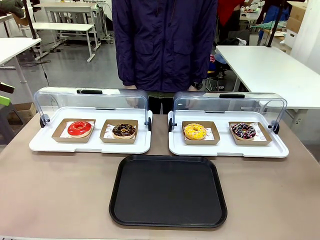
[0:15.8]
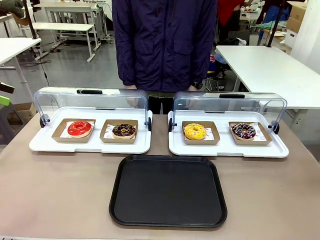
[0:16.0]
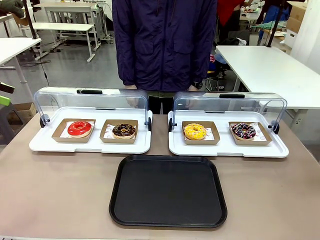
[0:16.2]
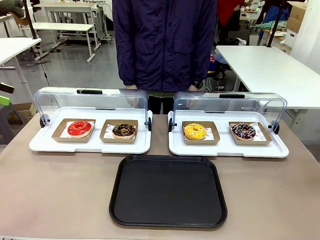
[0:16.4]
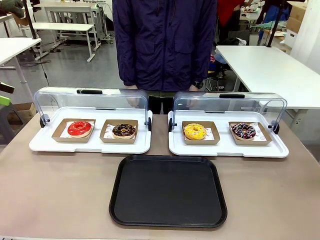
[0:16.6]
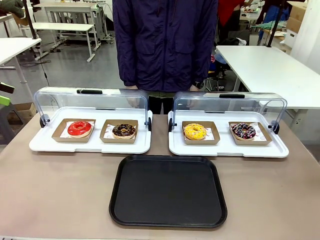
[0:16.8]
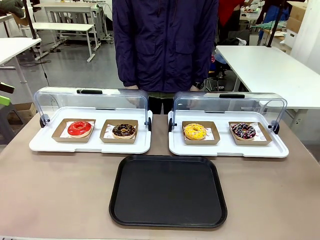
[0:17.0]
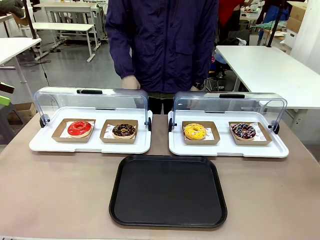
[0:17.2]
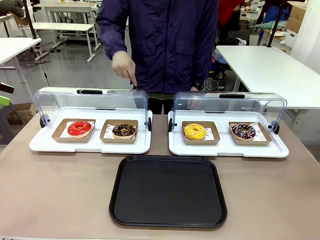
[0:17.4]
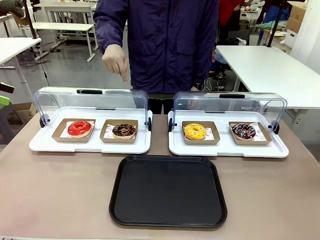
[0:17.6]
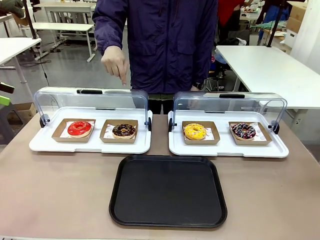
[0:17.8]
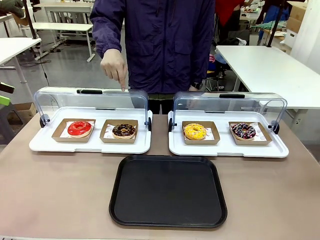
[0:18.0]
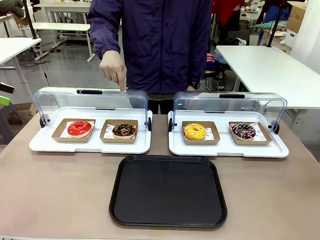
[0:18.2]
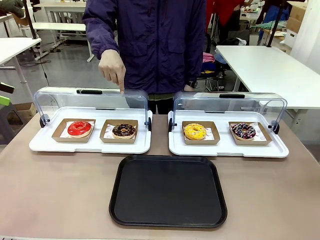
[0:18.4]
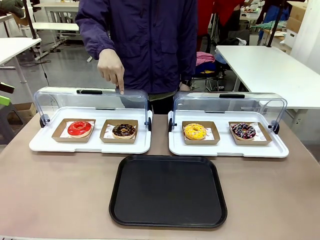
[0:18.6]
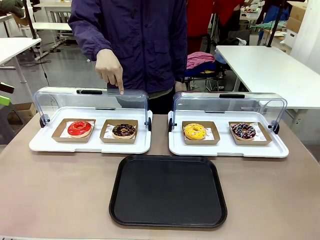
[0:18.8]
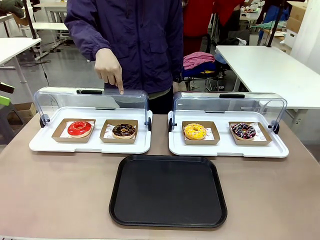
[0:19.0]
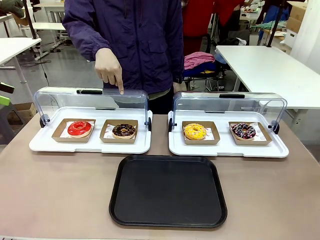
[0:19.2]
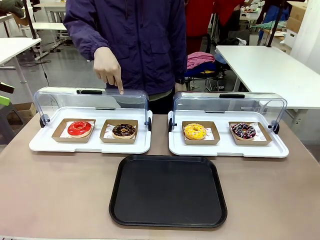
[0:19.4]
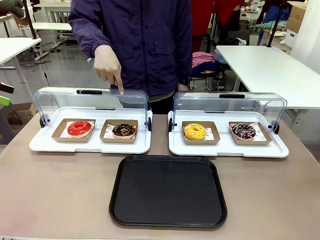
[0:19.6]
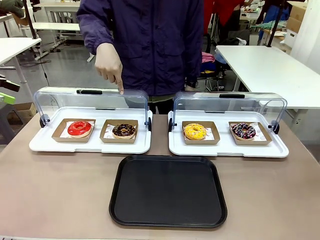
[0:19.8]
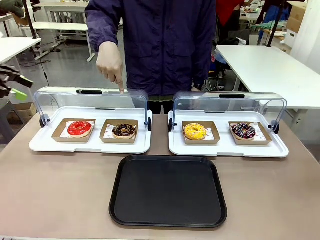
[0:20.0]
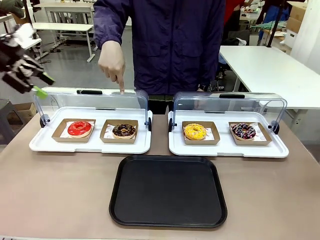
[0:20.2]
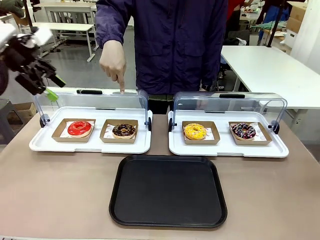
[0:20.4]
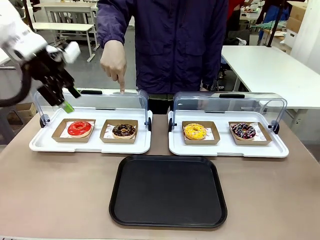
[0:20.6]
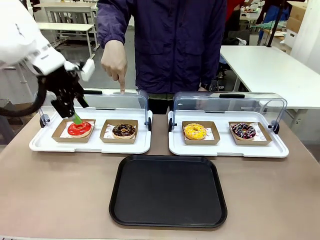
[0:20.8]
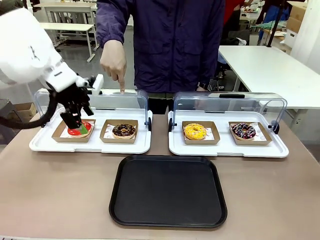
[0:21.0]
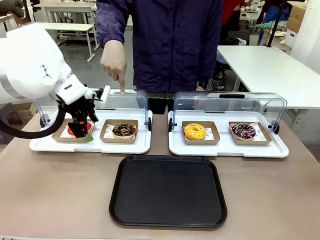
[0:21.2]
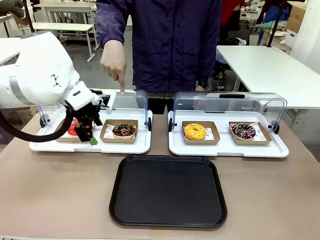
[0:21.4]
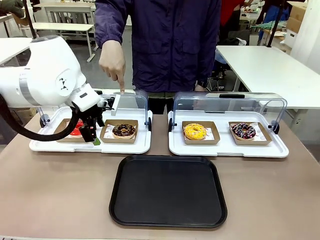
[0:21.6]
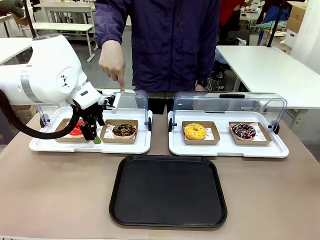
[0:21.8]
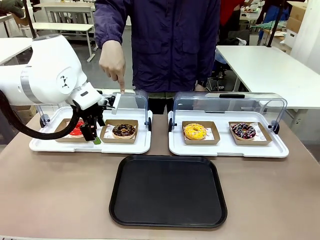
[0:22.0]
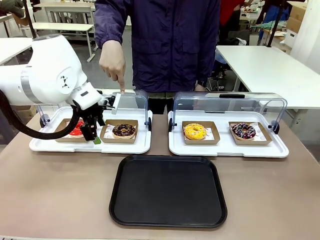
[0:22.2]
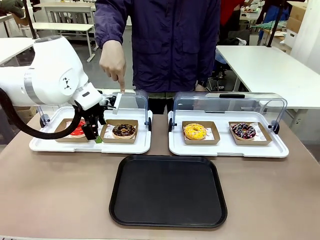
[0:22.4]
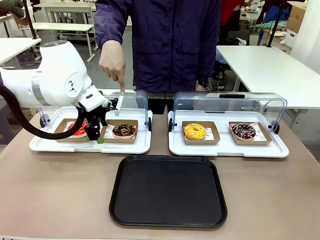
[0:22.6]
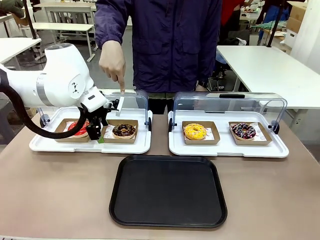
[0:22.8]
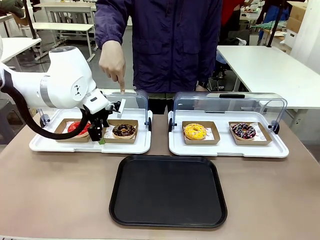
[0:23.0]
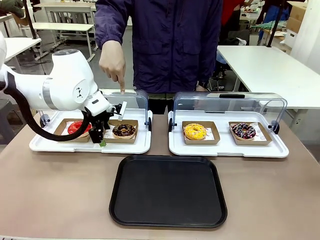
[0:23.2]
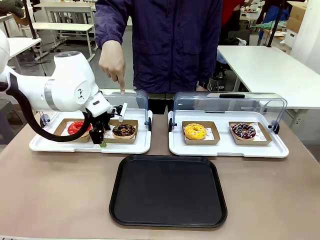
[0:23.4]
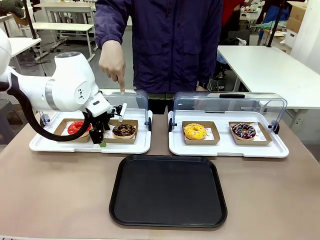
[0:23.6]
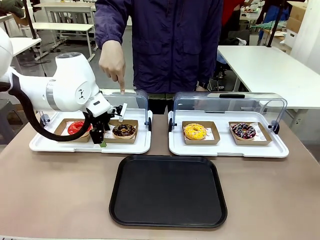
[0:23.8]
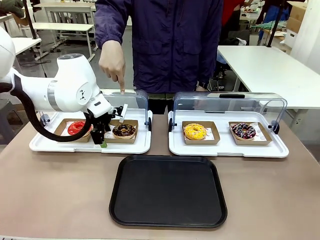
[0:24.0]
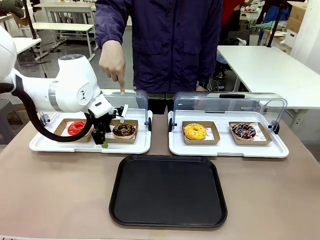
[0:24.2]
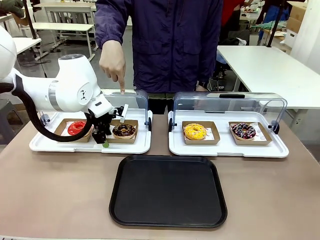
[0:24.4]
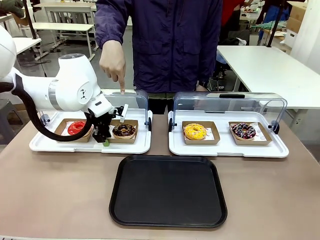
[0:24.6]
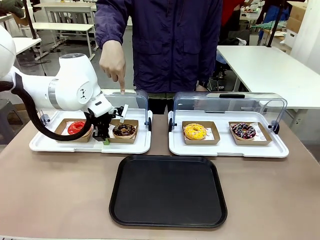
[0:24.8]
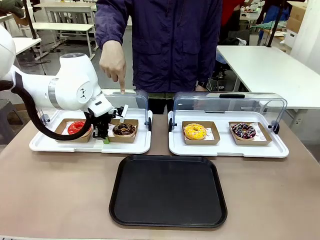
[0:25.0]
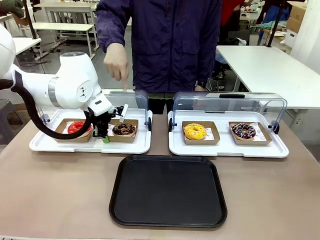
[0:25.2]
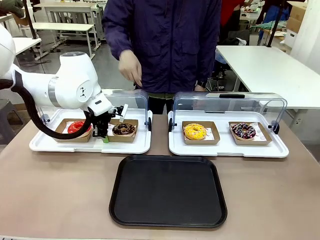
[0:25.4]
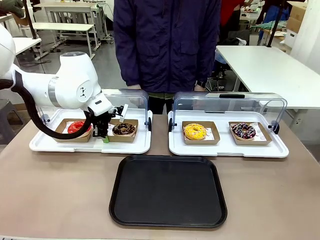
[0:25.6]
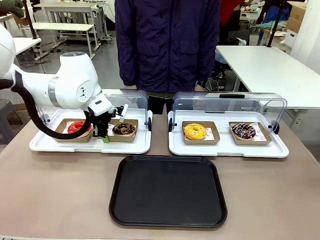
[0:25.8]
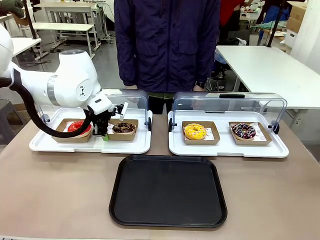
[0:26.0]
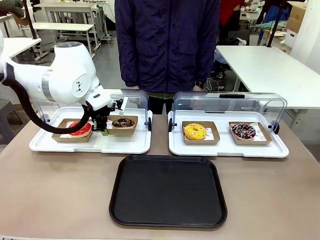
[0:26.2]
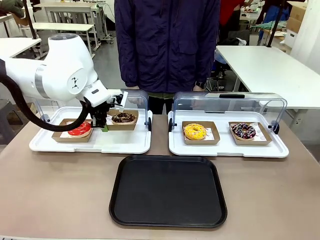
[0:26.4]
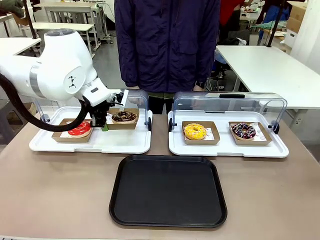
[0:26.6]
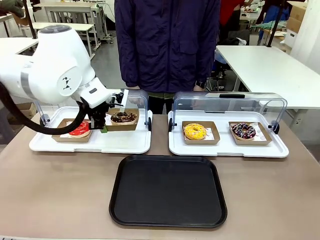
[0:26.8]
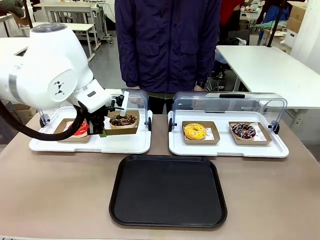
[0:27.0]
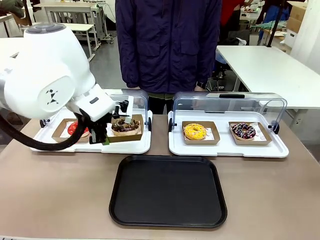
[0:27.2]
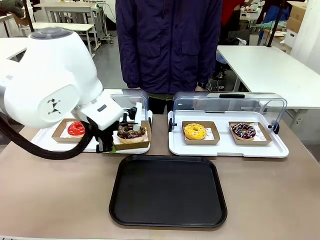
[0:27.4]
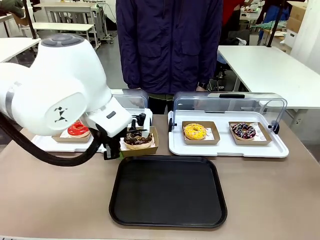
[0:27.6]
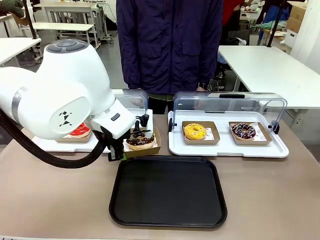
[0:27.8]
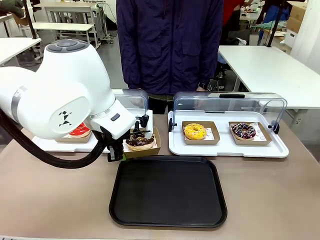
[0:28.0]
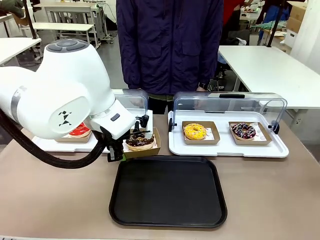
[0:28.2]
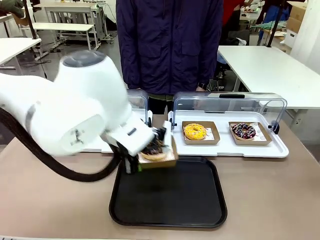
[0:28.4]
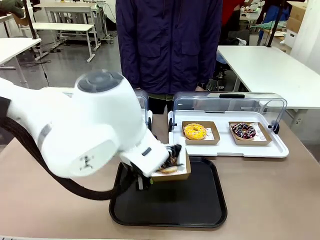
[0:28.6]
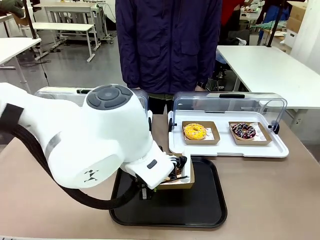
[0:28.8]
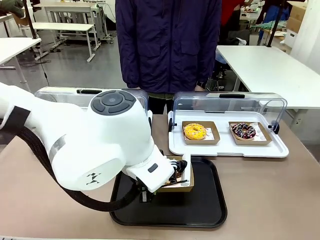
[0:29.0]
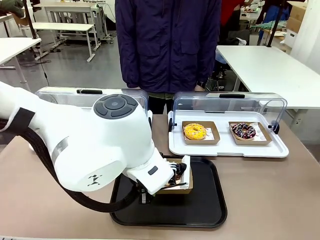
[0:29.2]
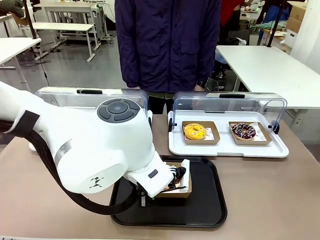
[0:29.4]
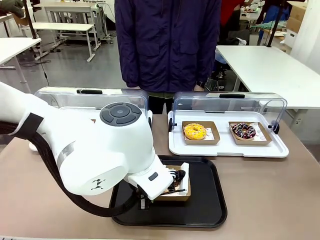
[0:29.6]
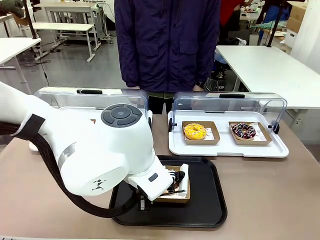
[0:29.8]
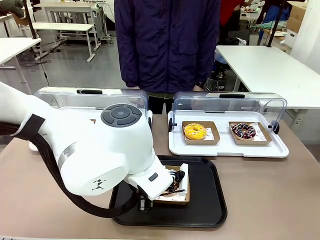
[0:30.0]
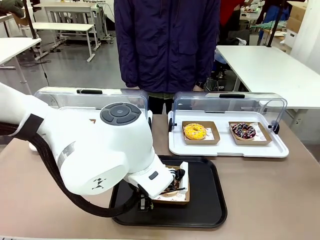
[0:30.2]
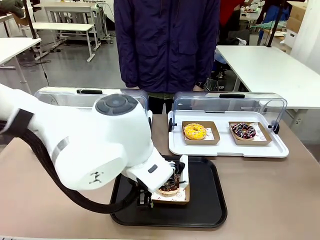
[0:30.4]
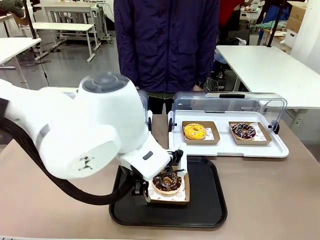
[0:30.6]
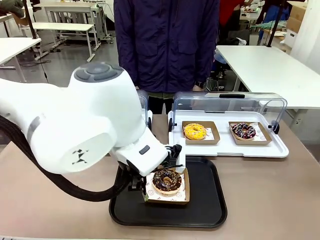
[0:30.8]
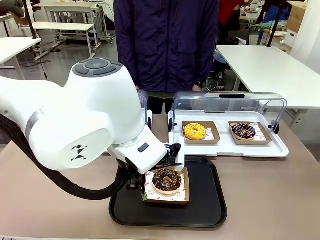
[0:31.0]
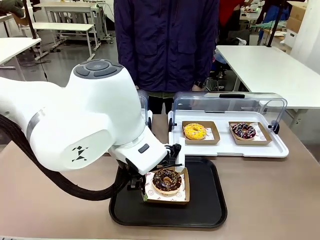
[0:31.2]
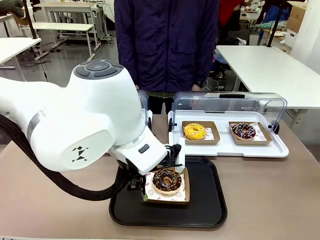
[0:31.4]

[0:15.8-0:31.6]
Task: Move the second donut from the left to the tray.
Robot: Pick up the Paper togo box containing the Donut indicated by the person and place it on the Handle tray.
